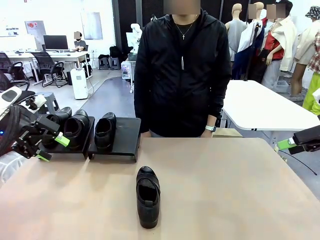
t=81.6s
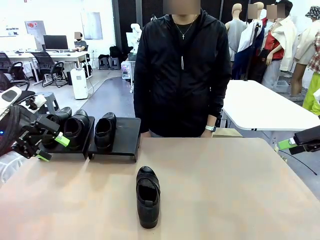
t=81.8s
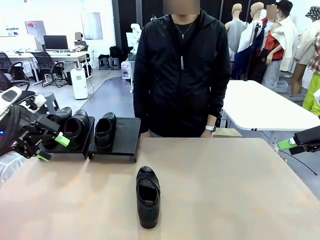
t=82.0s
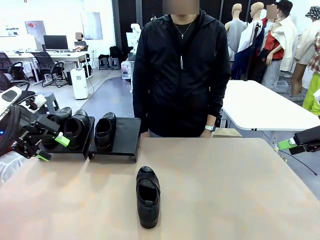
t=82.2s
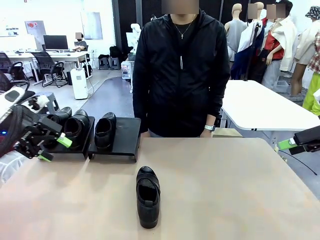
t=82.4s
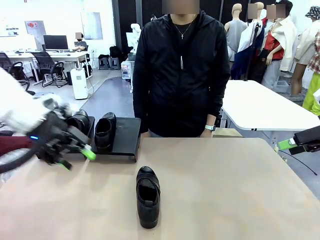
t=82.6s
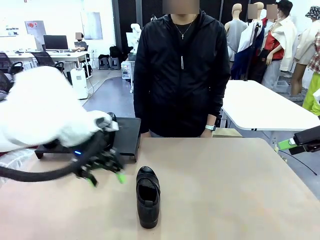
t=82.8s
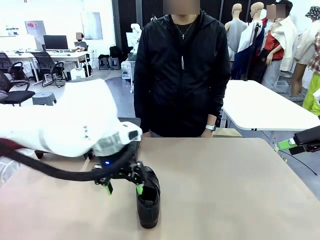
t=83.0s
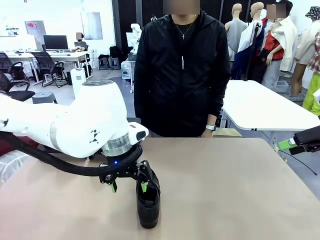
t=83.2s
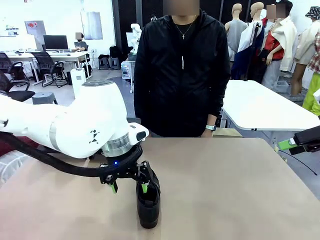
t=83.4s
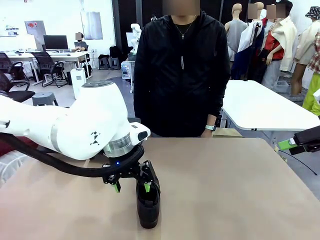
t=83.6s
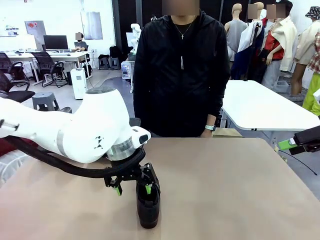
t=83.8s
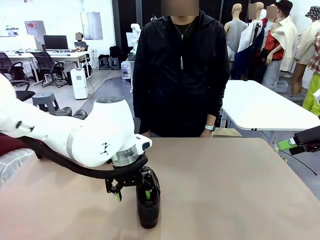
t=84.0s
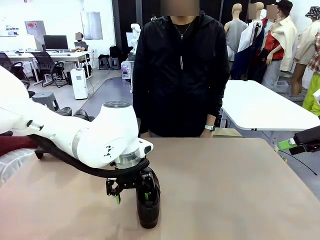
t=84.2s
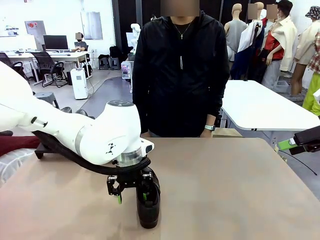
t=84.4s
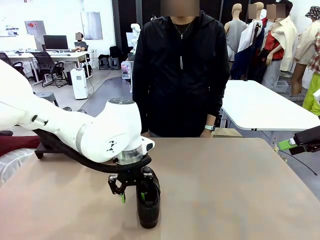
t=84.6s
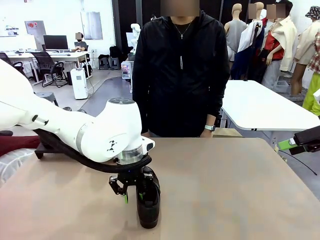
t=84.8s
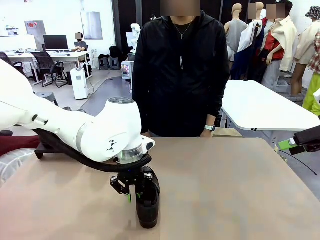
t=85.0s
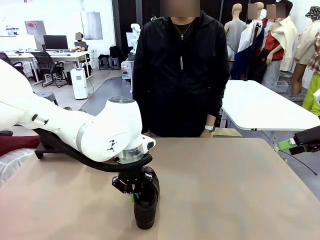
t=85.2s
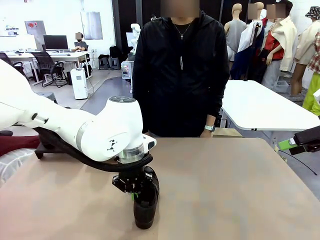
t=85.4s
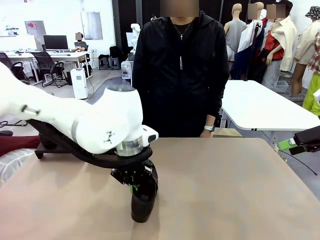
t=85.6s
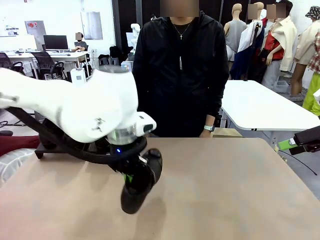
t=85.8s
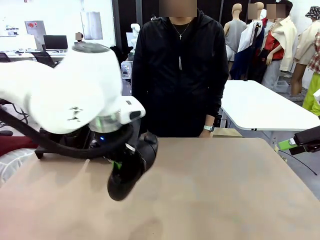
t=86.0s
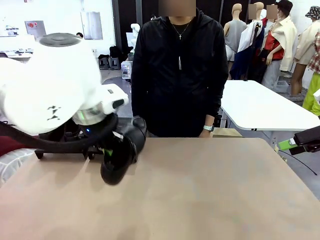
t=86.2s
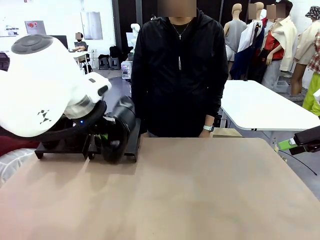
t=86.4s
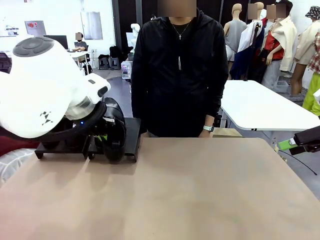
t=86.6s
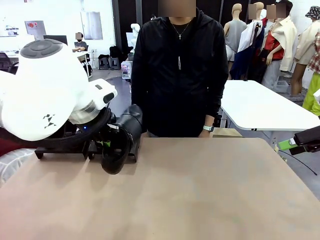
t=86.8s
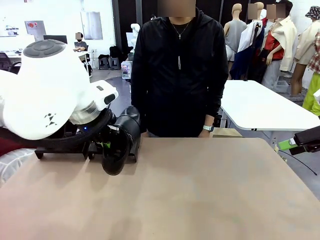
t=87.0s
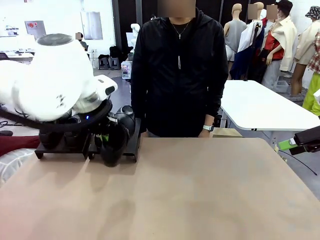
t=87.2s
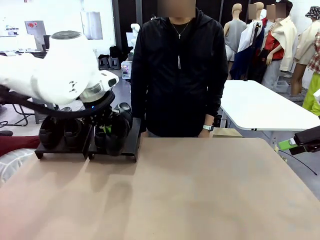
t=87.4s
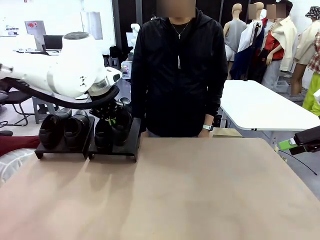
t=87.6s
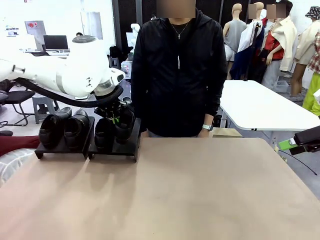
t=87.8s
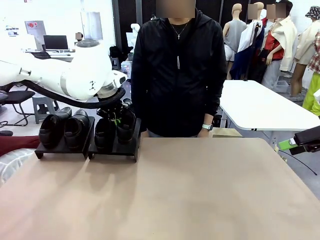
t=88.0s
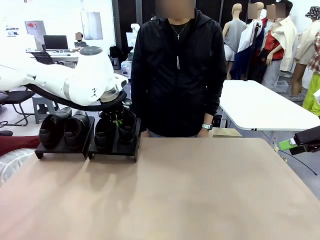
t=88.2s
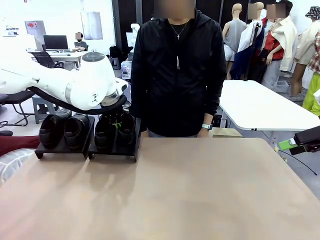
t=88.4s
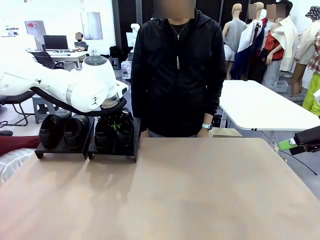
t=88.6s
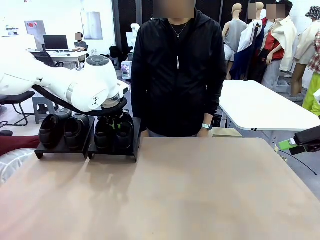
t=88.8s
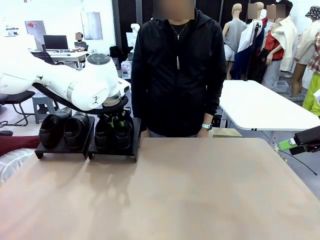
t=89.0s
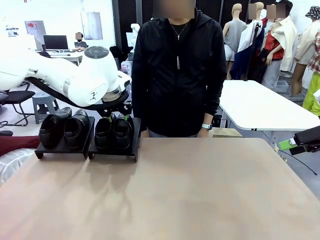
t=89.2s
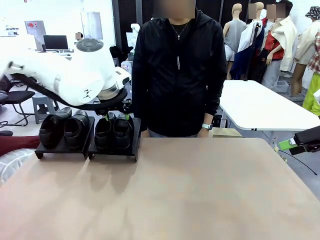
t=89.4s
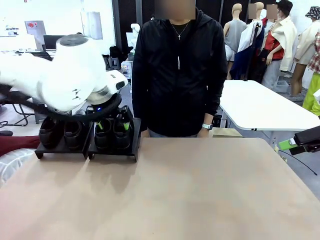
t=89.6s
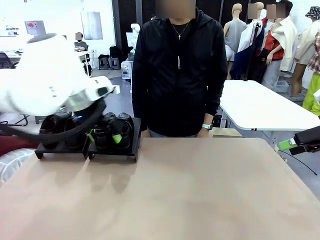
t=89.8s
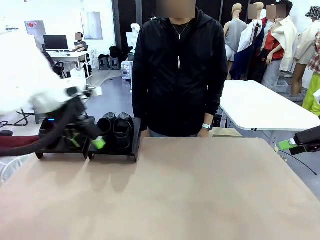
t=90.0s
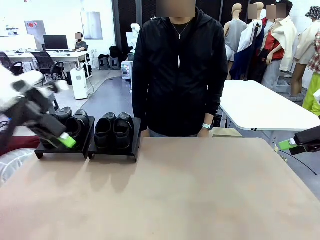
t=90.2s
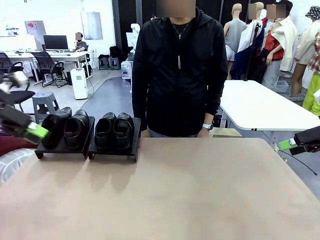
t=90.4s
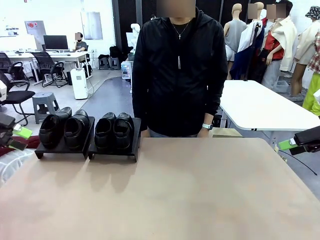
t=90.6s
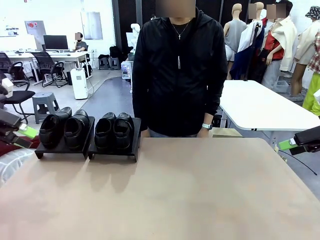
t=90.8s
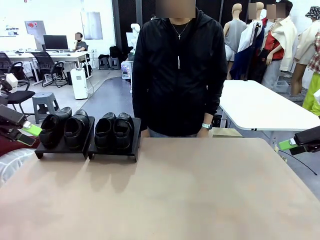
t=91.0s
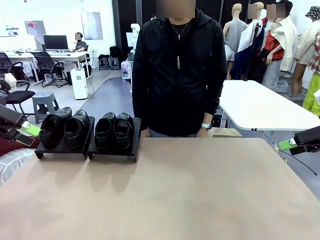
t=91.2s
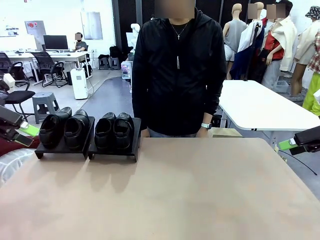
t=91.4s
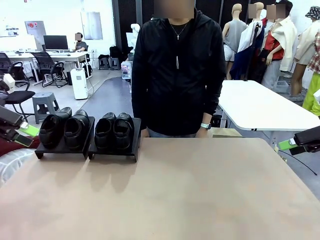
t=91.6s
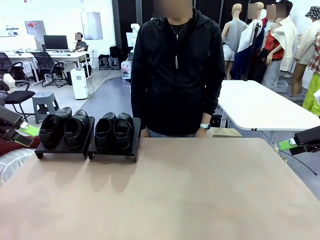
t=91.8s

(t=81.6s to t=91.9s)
Task: Organize the shoes by placing them on the stand.
Robot: Place the Shoe from the middle of the table onto the Shoes Stand.

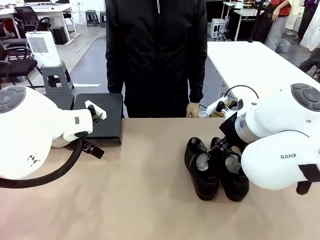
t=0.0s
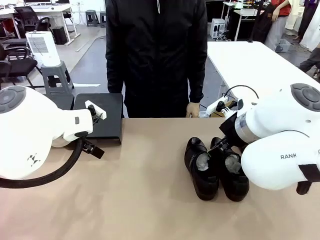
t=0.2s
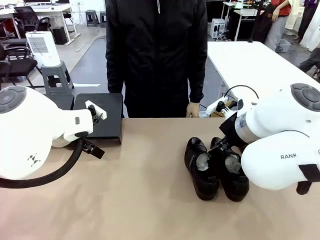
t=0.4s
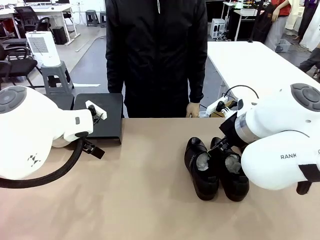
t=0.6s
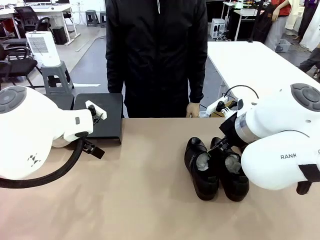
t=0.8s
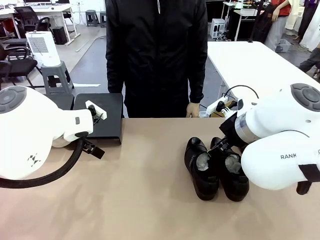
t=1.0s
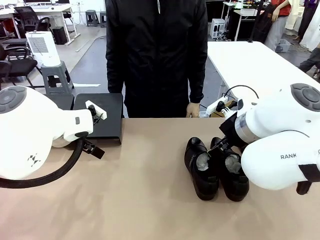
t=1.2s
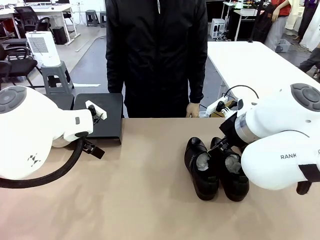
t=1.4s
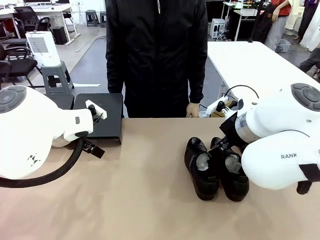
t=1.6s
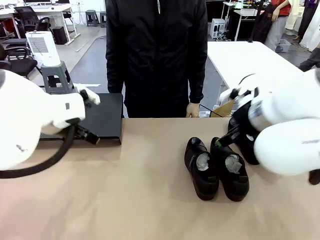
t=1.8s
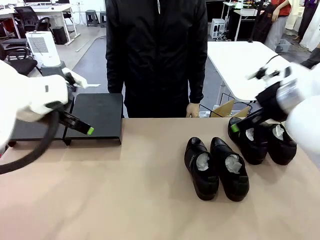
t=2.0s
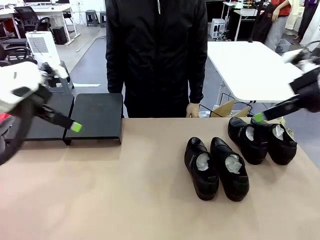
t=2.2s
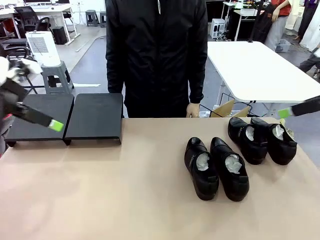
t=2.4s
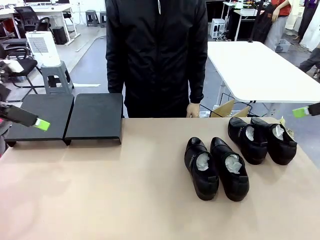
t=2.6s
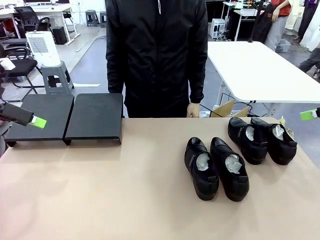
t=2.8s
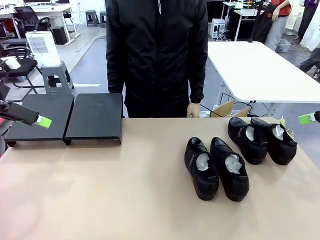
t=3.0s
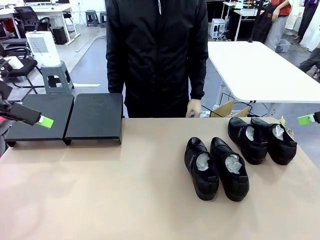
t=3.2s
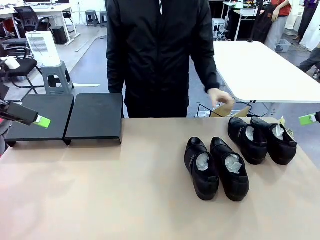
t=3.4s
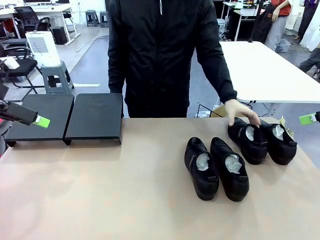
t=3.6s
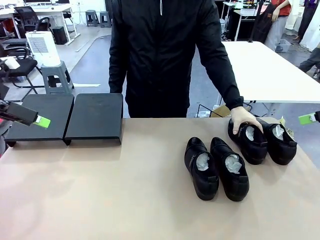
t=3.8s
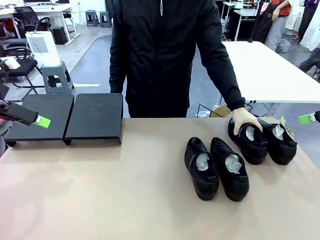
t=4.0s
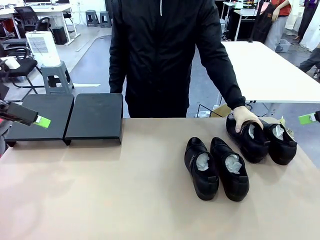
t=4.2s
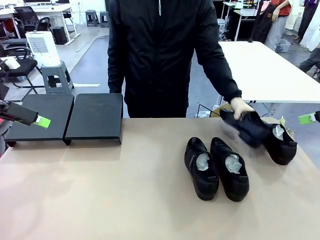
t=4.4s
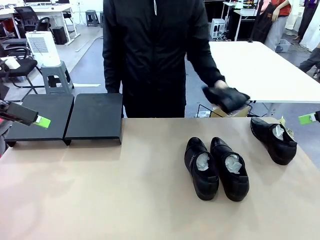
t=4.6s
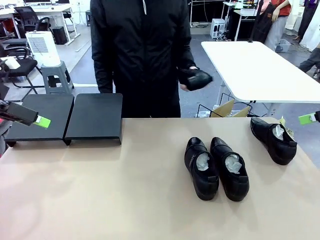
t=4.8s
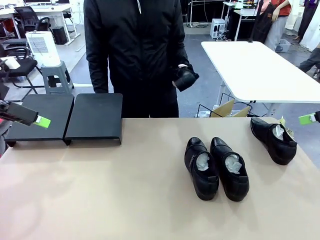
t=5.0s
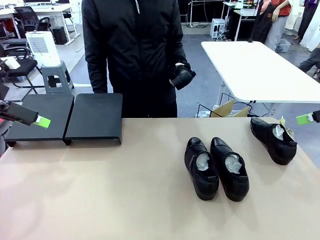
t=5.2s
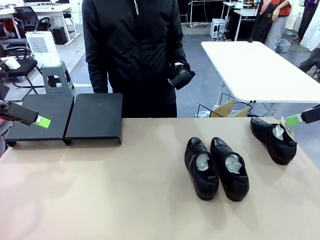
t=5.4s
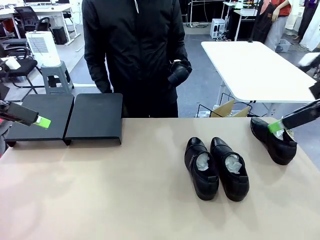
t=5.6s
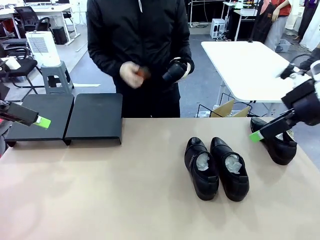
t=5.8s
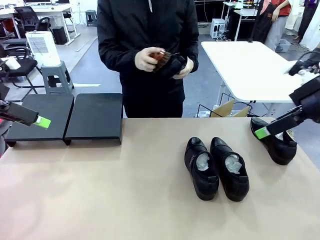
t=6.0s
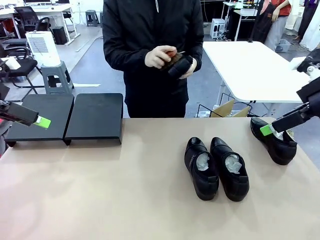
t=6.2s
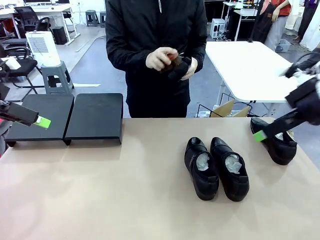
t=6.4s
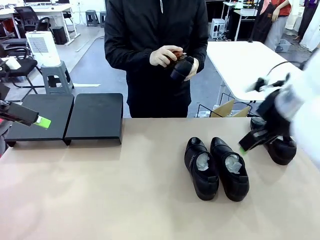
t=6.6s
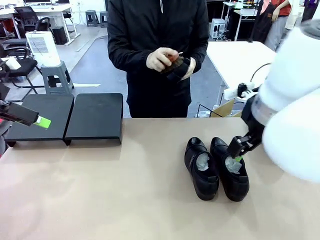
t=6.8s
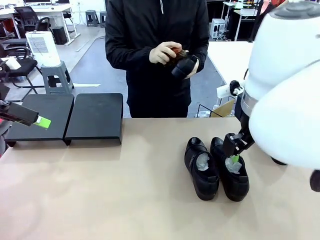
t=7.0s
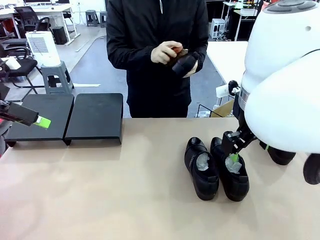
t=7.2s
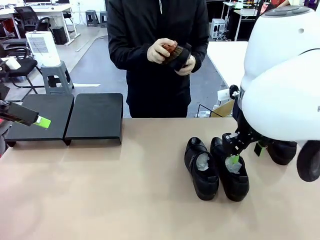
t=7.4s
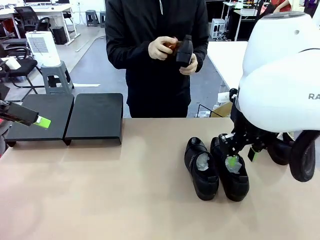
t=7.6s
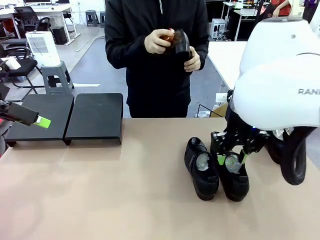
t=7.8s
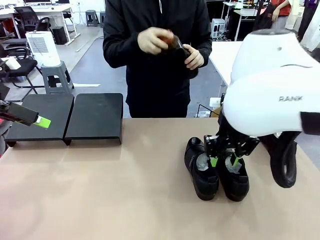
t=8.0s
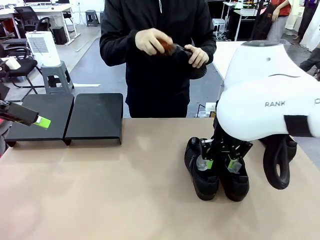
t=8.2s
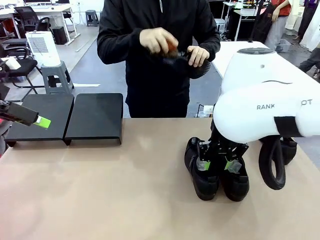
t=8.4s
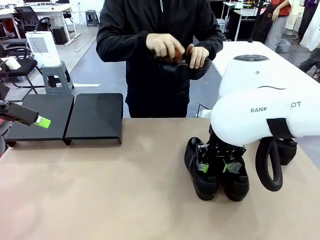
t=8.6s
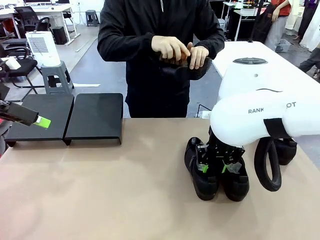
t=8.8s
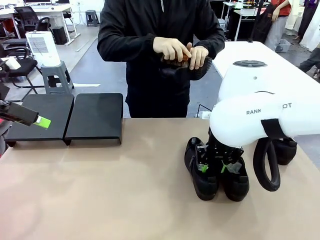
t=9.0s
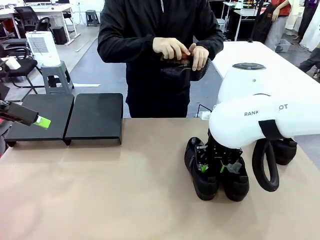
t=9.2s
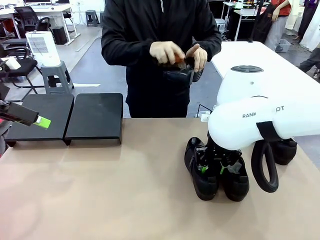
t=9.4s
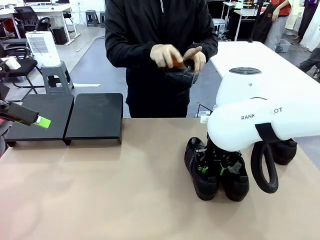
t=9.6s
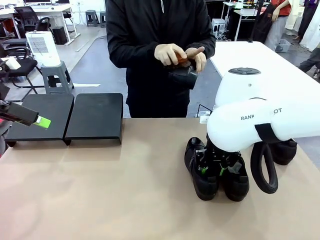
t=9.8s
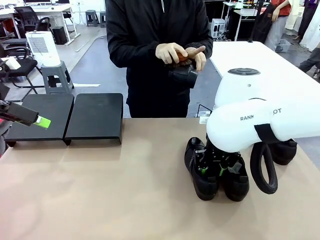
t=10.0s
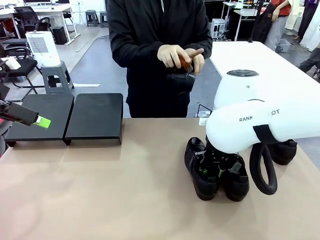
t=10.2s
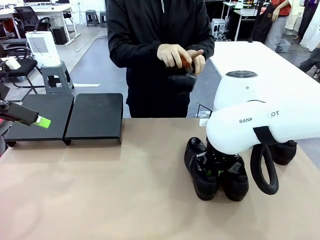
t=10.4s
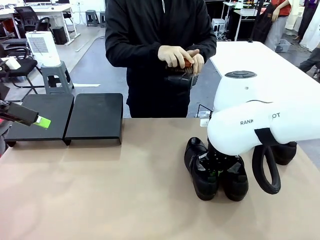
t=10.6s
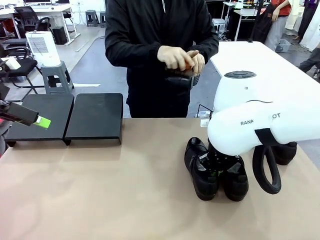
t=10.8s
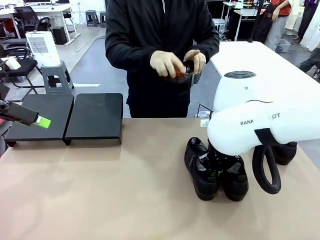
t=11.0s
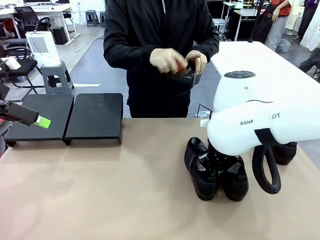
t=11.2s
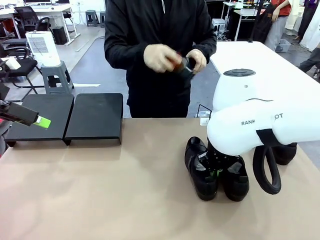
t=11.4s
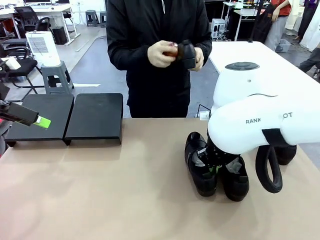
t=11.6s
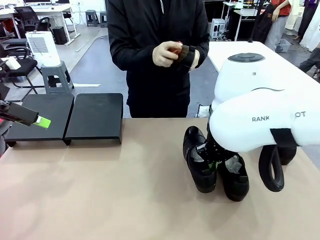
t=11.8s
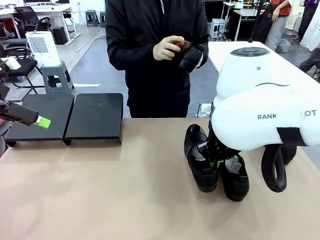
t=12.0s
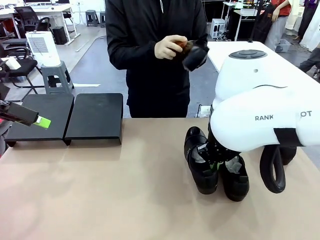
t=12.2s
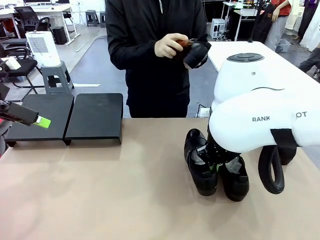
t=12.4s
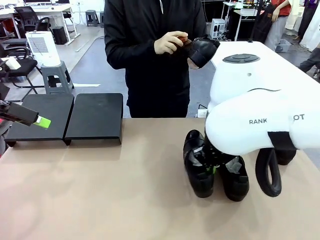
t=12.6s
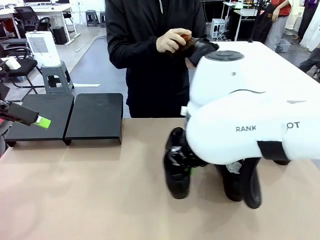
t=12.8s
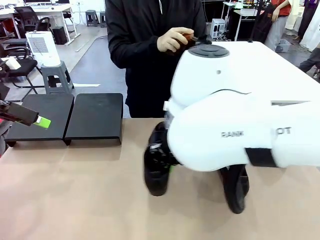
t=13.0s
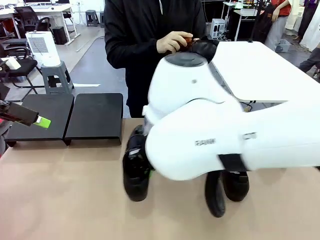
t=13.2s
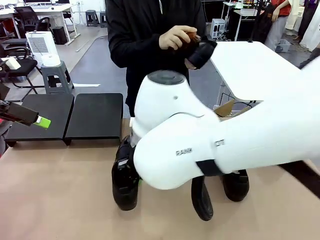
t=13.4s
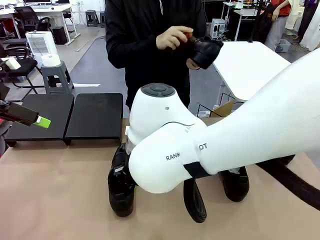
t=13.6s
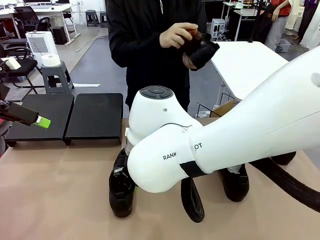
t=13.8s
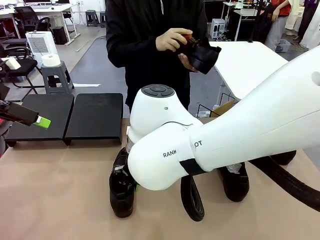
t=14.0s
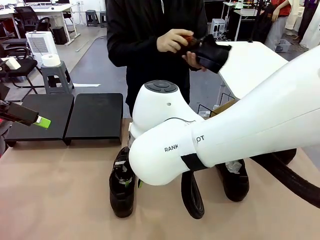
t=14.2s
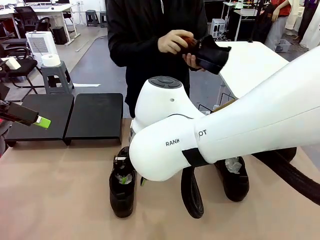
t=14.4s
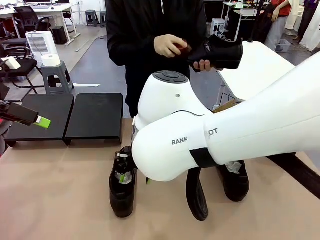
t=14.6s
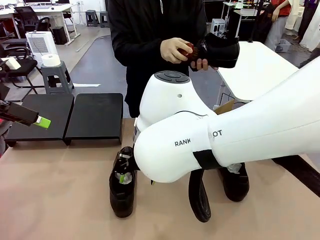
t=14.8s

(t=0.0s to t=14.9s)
Task: Organize the shoes by placing them on the stand.
Robot: Pick up one Shoe and place it in the middle of the table.
Person: Pick one Shoe on Robot's table. Clean the Shoe with the Shoe Brush.
